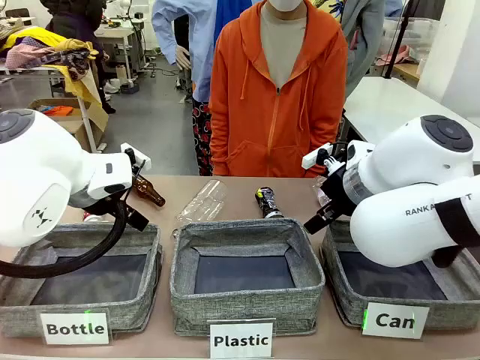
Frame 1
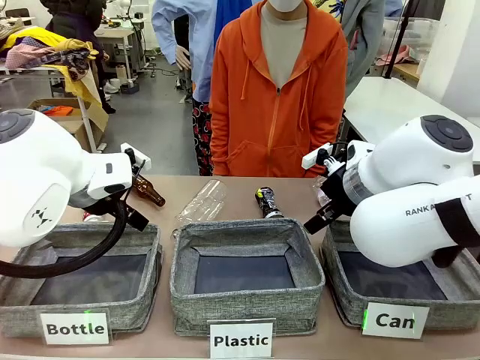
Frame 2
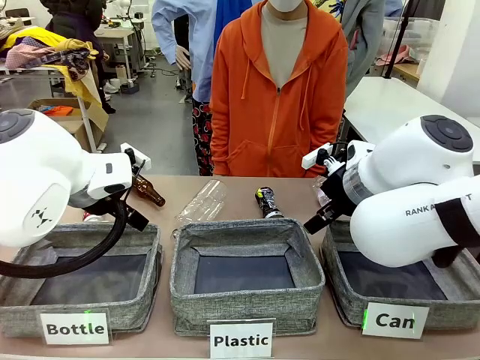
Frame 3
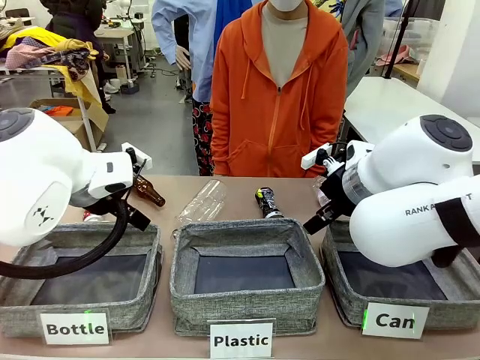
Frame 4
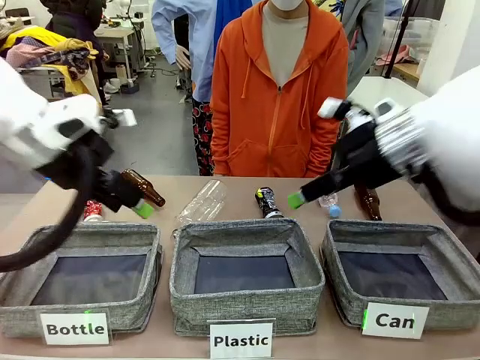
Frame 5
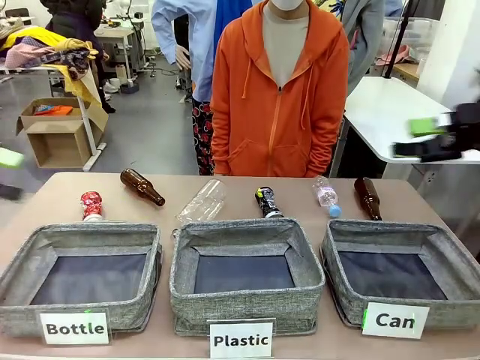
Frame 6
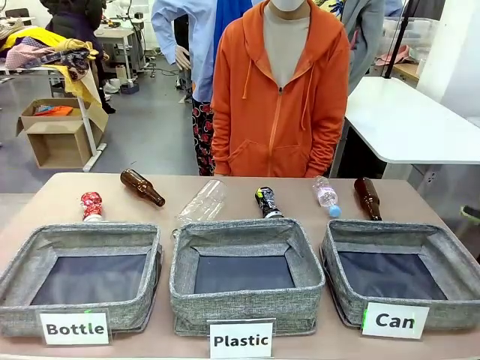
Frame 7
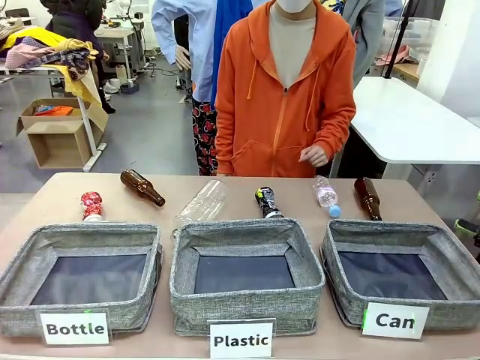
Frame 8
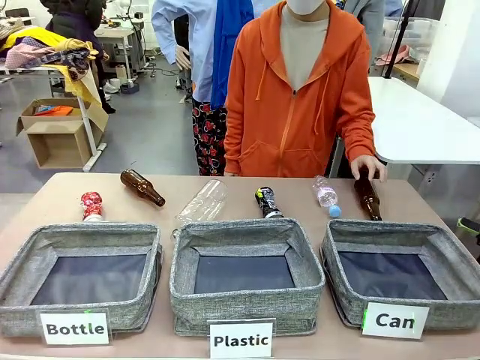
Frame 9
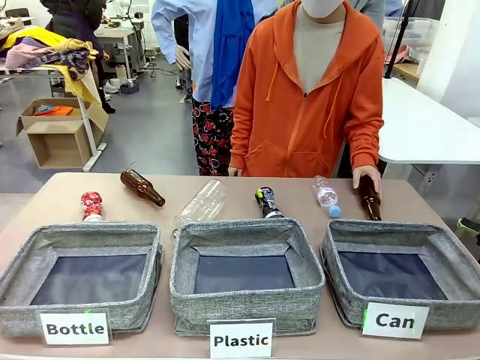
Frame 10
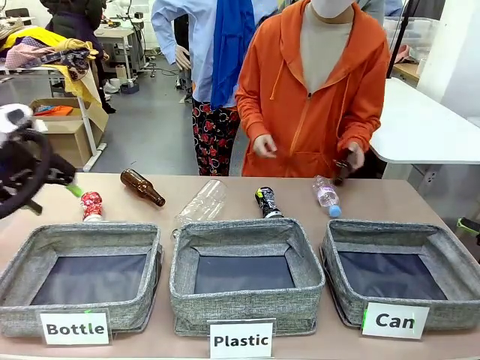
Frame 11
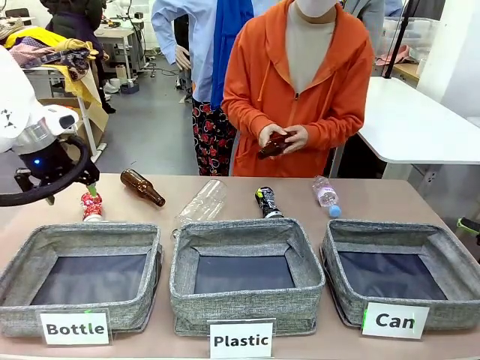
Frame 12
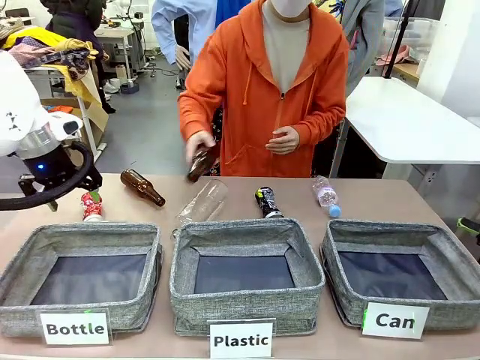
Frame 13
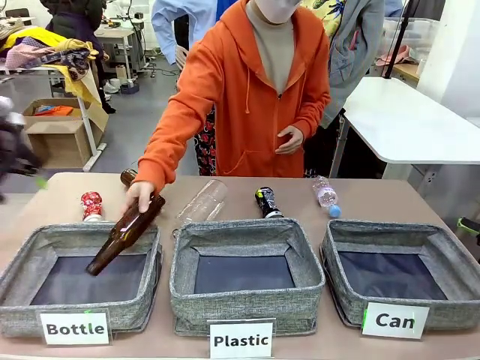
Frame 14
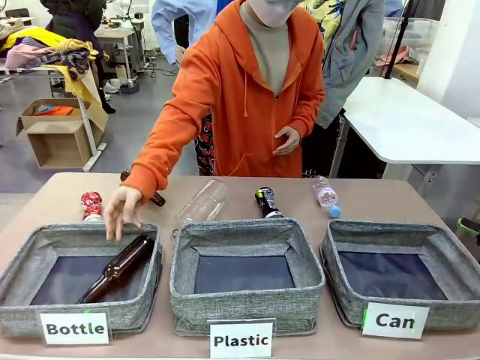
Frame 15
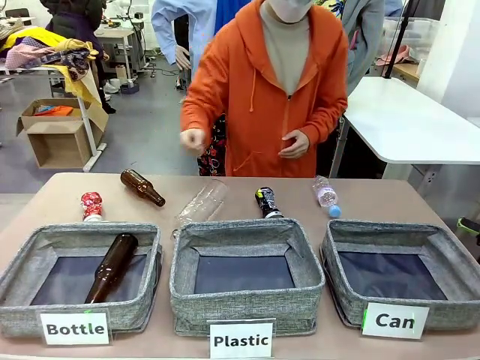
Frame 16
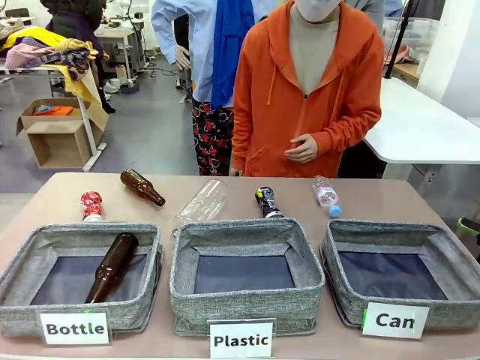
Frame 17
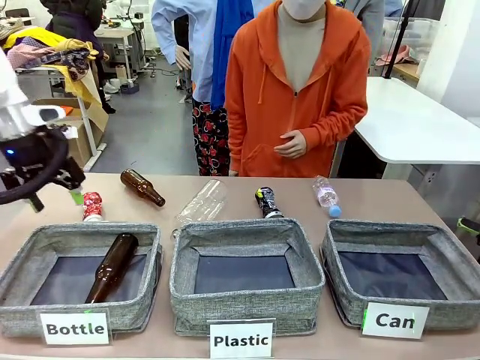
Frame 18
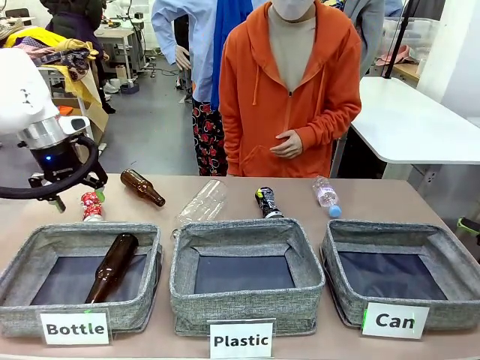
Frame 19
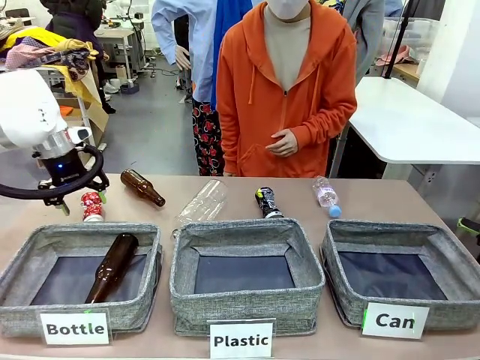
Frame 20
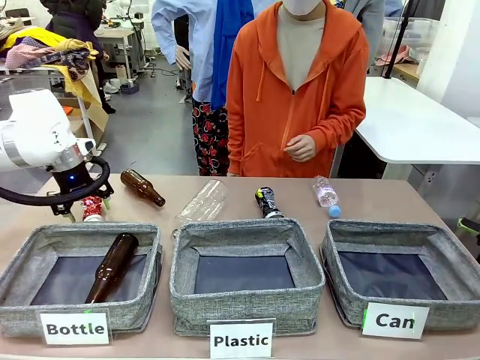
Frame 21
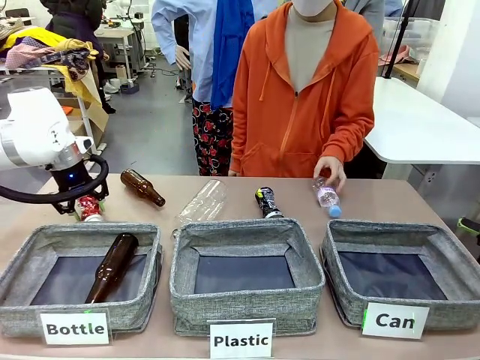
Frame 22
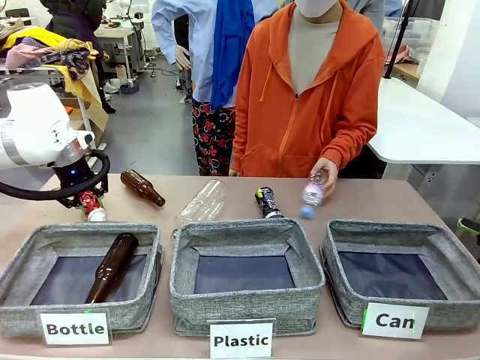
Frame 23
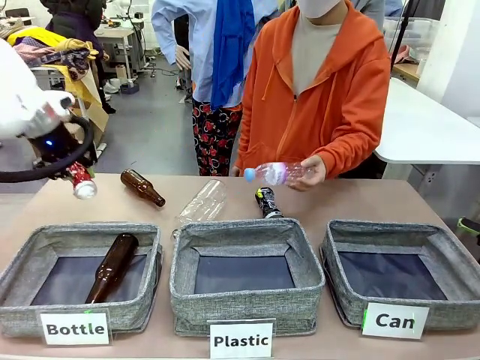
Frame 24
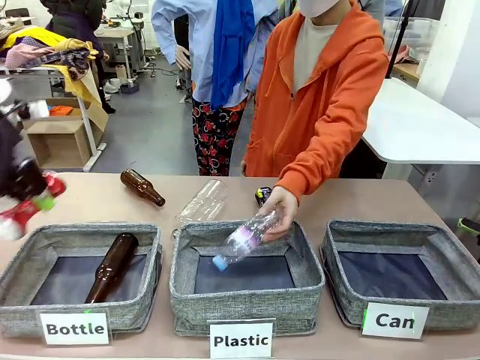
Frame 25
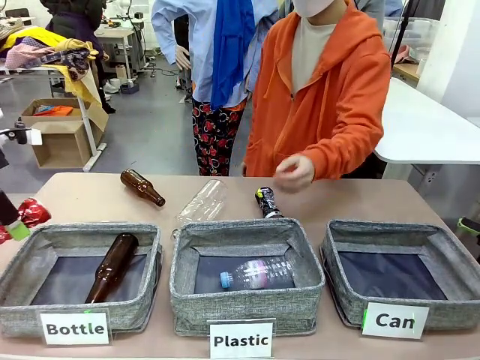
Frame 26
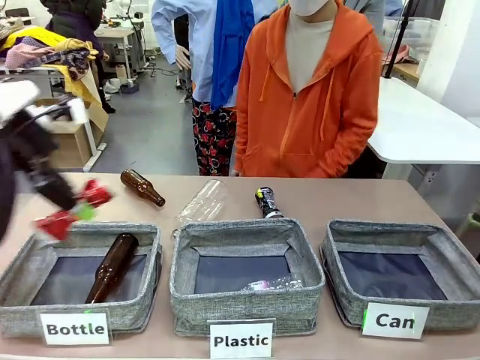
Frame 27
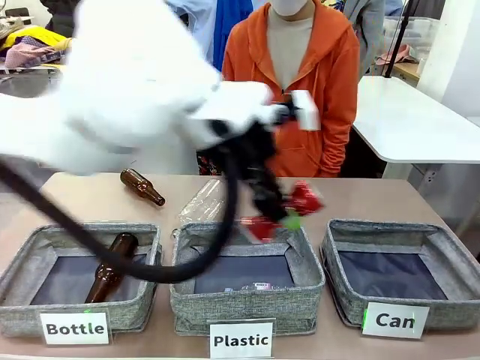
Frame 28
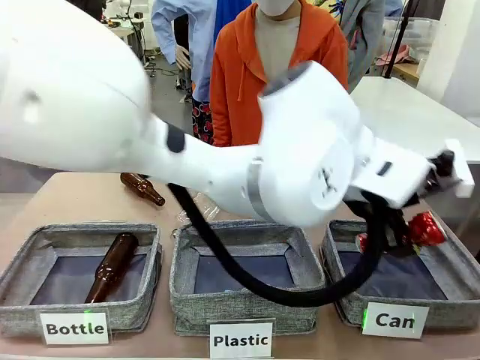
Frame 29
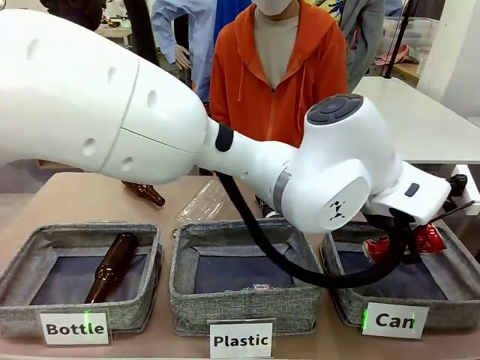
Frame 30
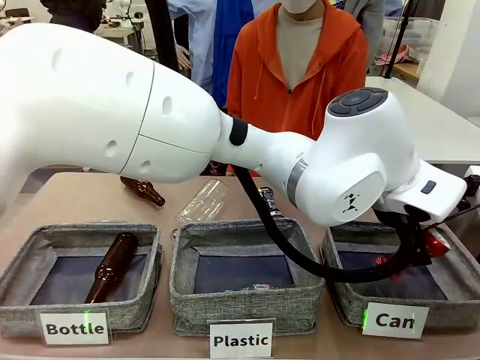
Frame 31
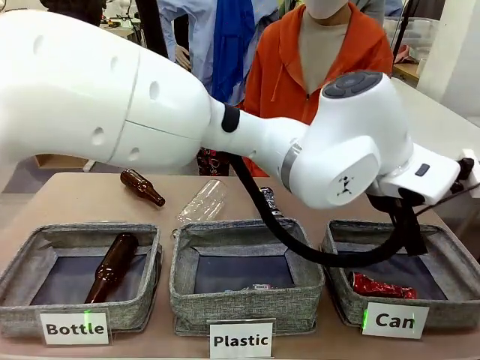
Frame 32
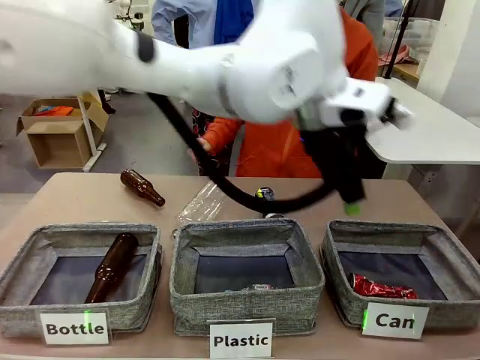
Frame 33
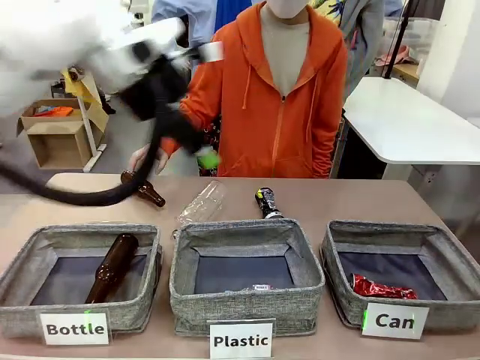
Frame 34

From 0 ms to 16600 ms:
Task: Sort the can waste into the basket.
Robot: Pick up the can waste from the table and place it in the right Fabric basket.
